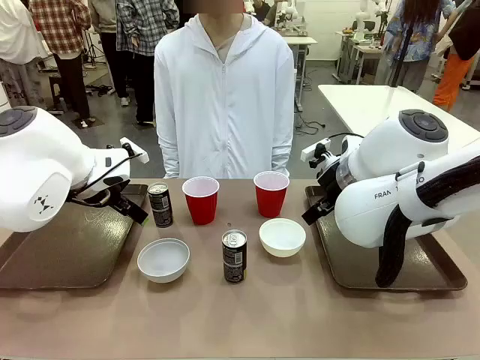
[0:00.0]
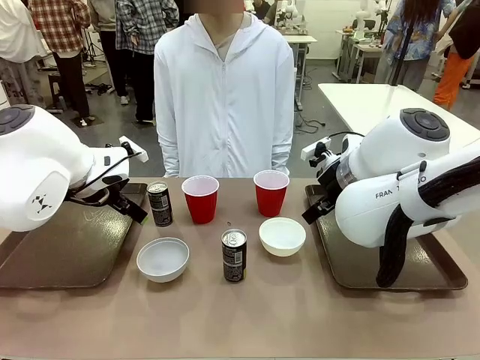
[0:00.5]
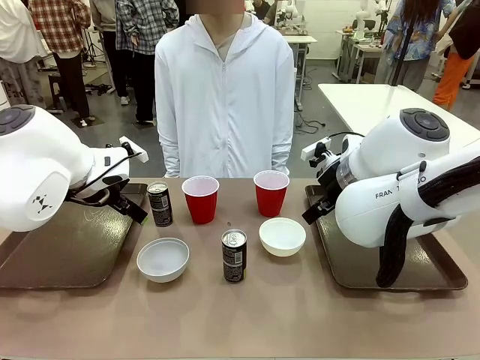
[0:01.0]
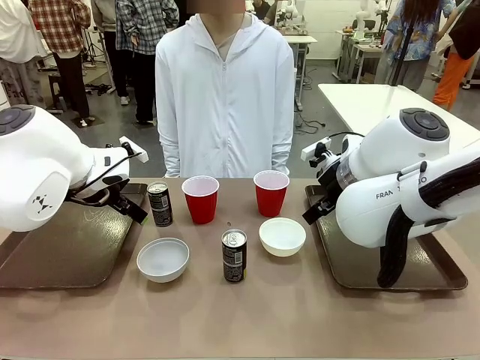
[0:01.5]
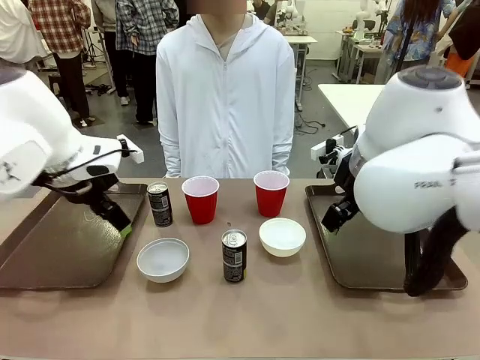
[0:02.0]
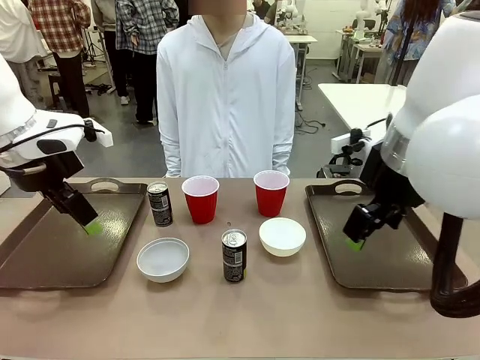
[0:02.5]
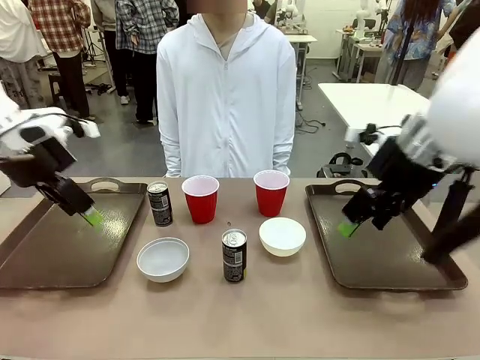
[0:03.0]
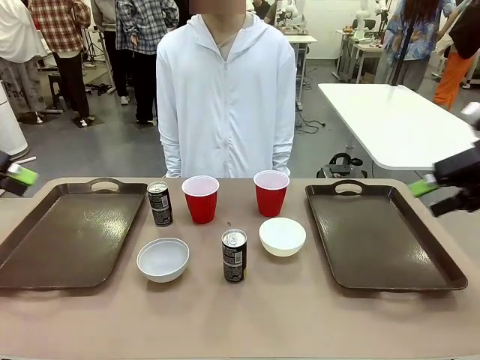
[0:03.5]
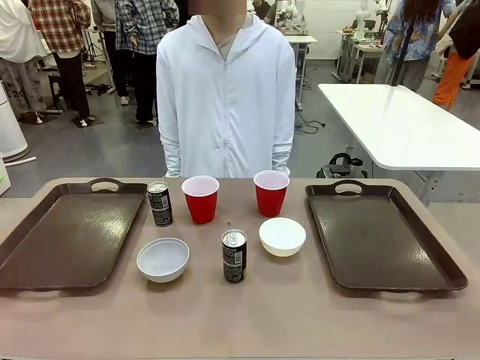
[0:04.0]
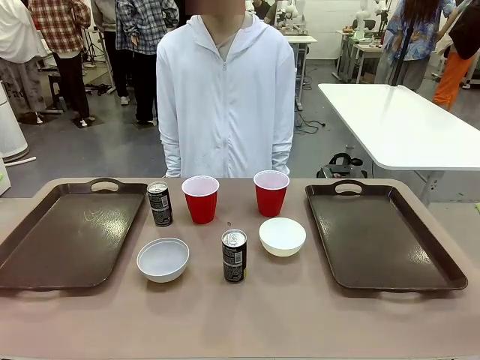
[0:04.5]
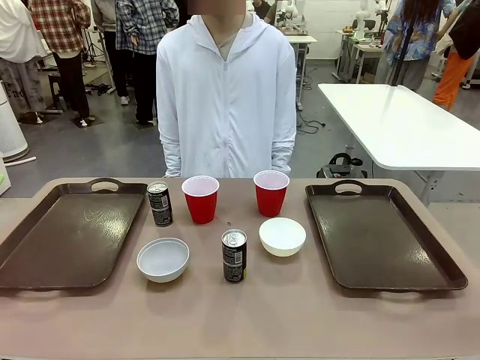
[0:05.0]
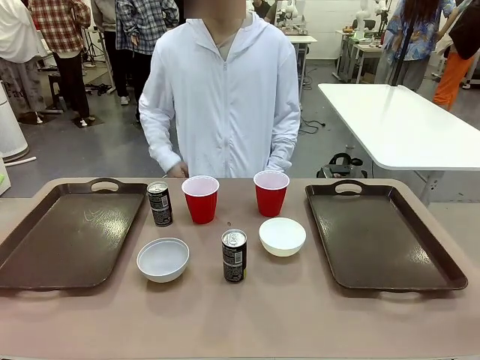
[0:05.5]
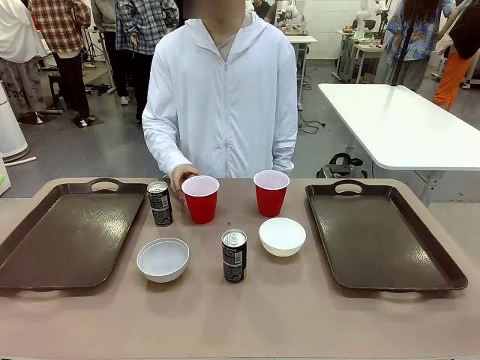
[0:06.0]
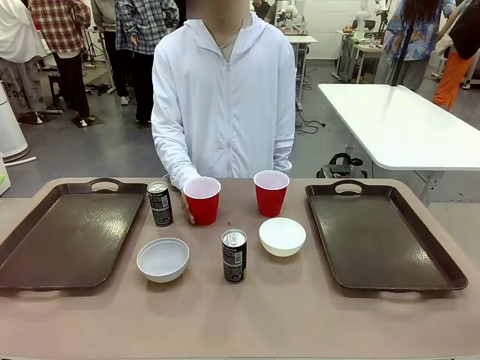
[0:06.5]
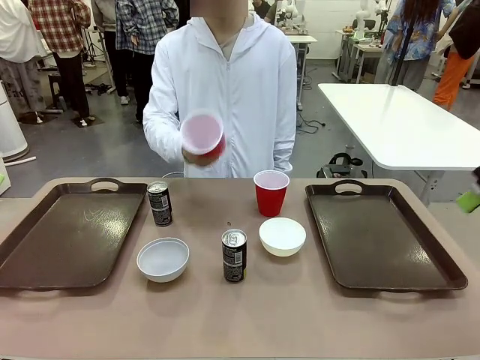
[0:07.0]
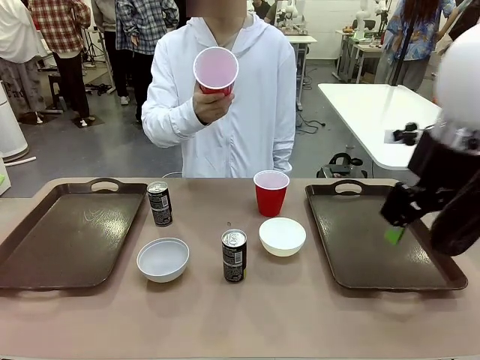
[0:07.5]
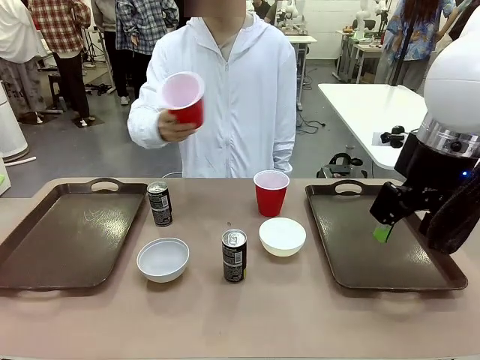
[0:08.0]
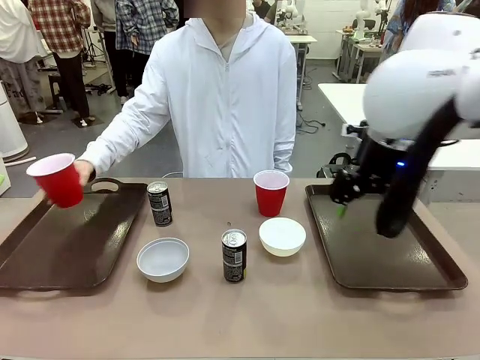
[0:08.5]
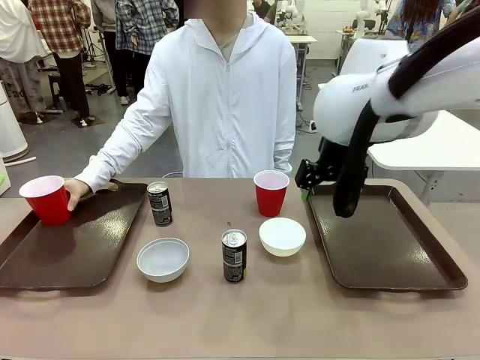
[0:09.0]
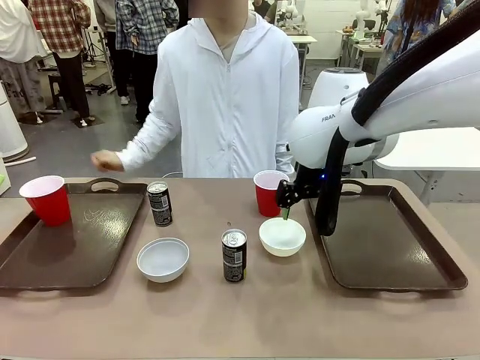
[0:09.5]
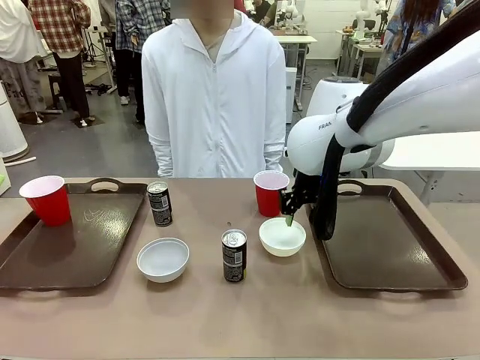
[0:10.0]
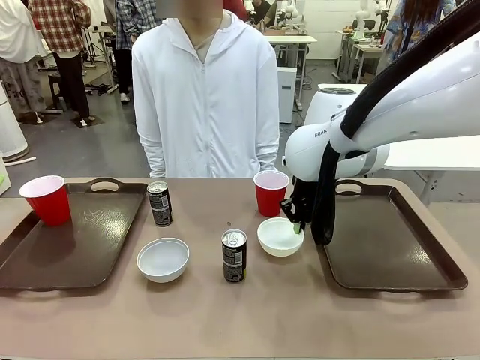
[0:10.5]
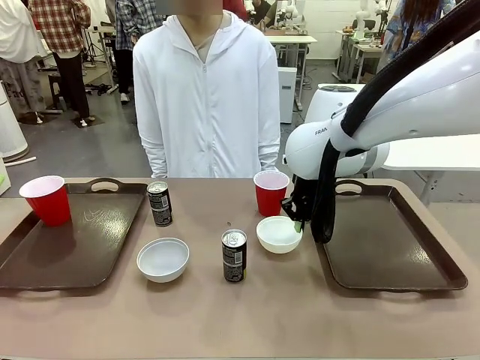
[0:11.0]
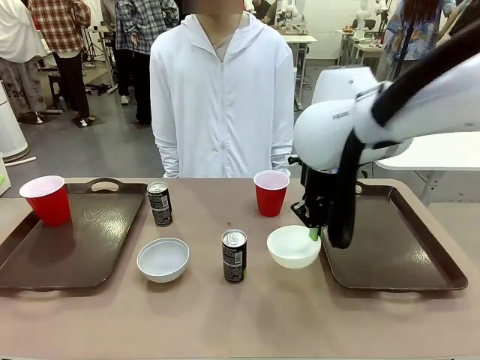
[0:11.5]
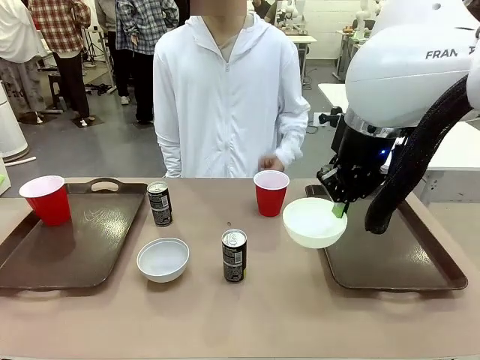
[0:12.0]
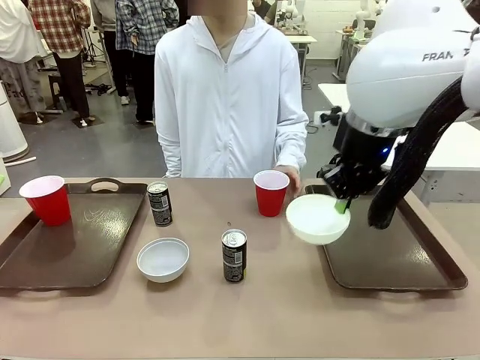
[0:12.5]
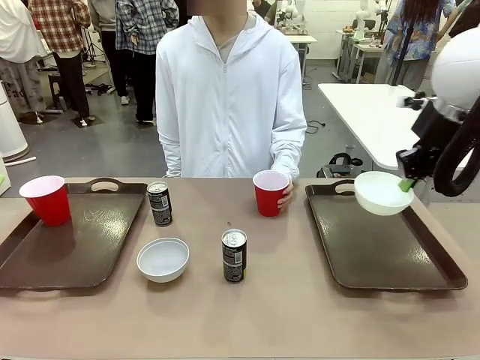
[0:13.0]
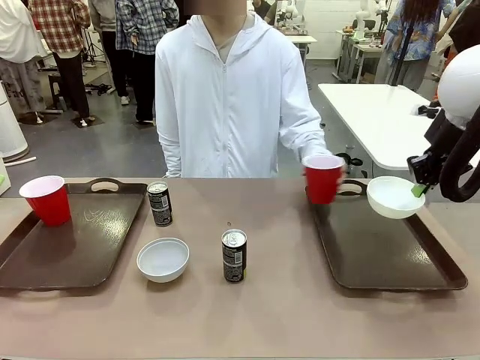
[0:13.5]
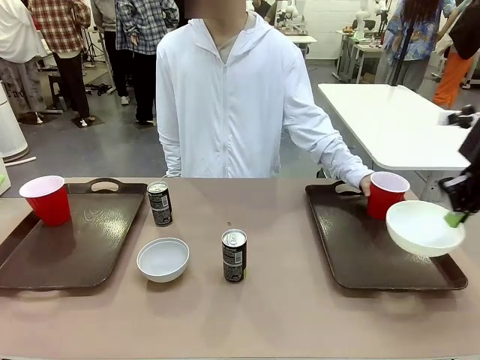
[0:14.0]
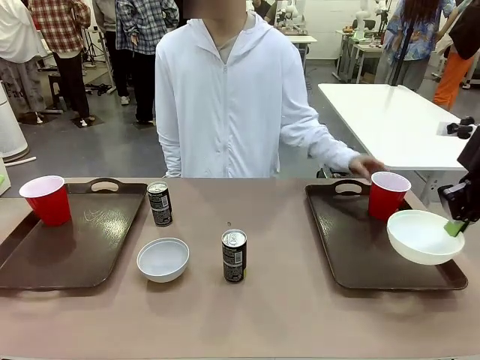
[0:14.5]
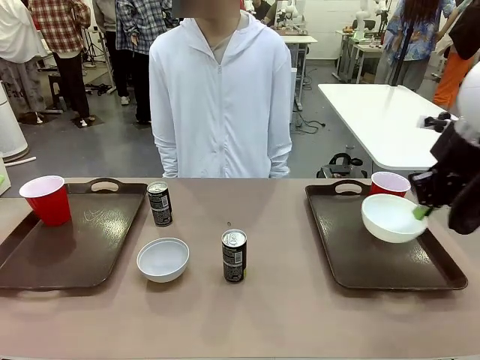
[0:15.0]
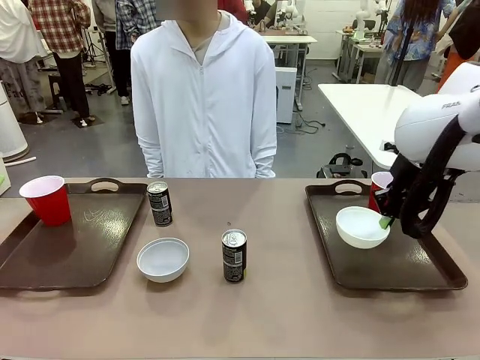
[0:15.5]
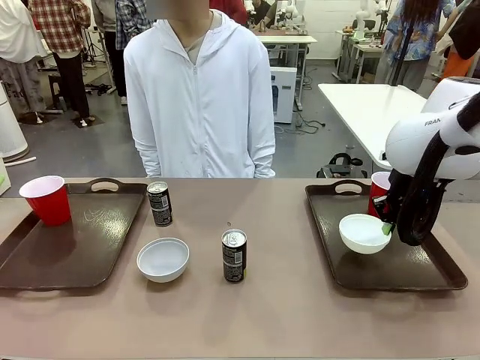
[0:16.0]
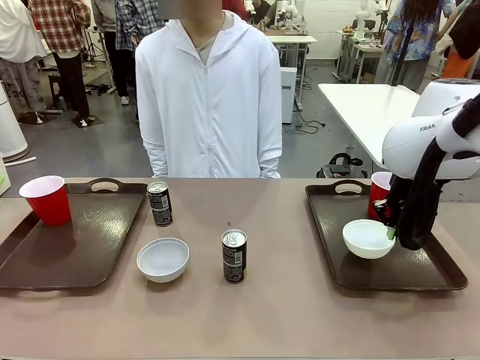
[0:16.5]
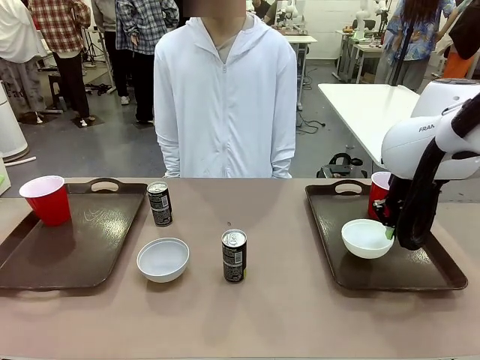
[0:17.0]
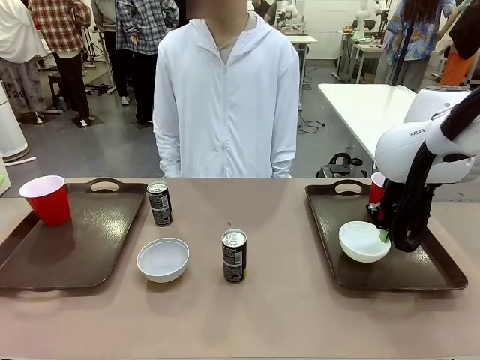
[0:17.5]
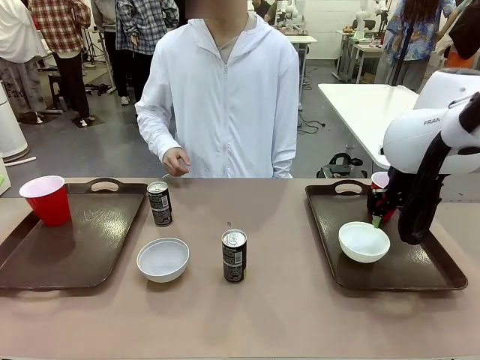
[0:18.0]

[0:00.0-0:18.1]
Task: Prepare tableware on both trays.
Robot: Pick up a Picnic Bowl from the table and place it on a Handle tray.
Person: Pick up a can or cup and place it on the tray.
